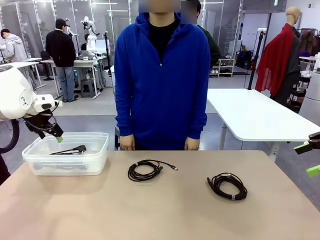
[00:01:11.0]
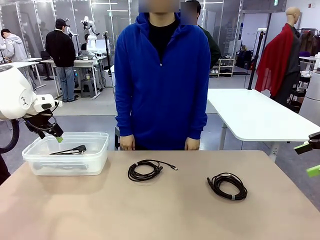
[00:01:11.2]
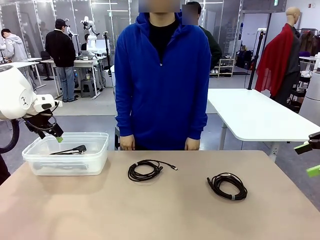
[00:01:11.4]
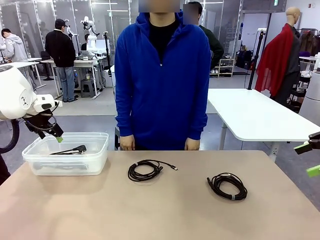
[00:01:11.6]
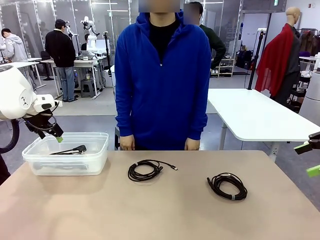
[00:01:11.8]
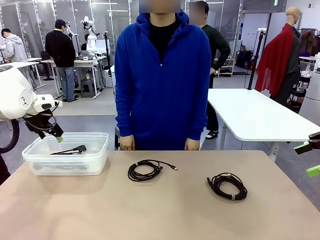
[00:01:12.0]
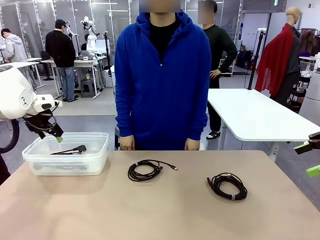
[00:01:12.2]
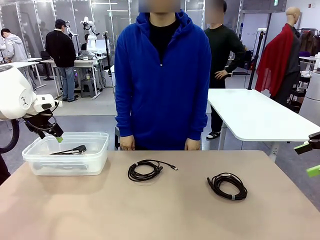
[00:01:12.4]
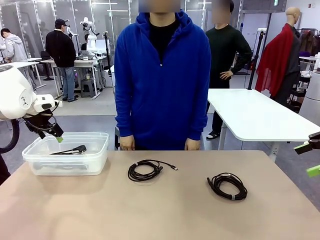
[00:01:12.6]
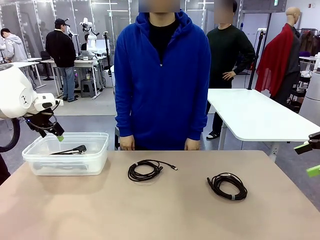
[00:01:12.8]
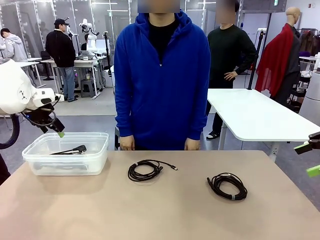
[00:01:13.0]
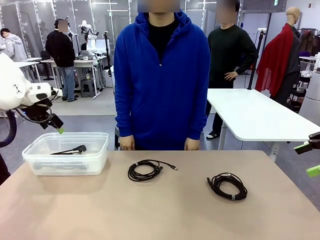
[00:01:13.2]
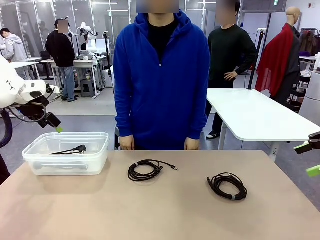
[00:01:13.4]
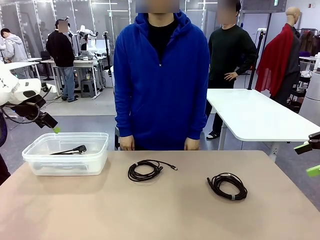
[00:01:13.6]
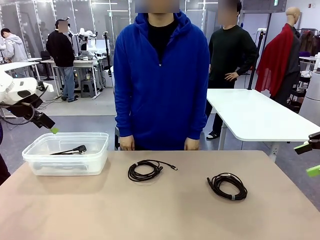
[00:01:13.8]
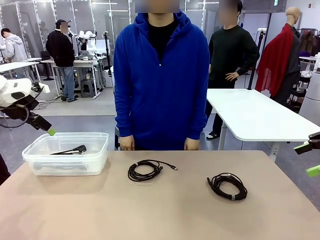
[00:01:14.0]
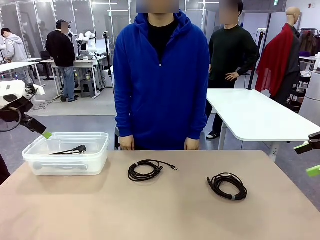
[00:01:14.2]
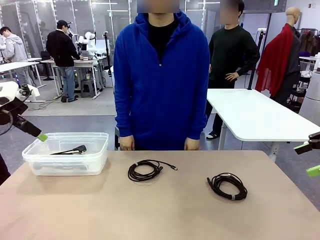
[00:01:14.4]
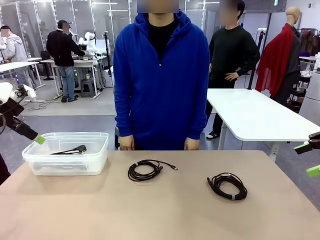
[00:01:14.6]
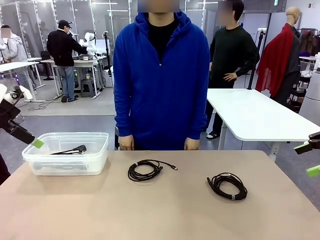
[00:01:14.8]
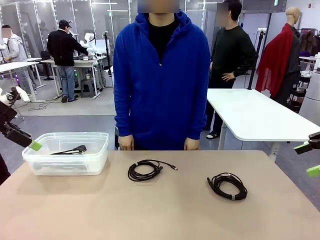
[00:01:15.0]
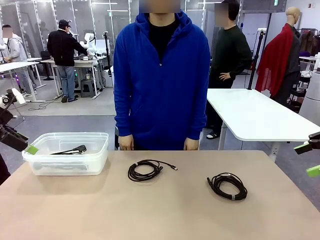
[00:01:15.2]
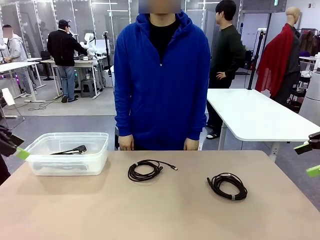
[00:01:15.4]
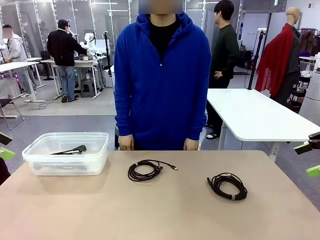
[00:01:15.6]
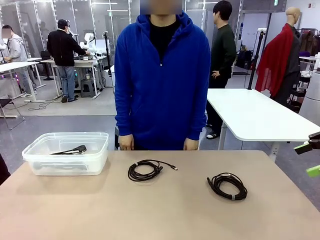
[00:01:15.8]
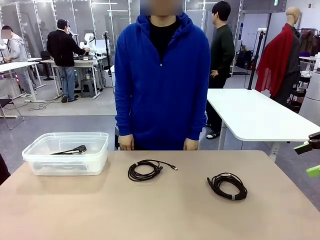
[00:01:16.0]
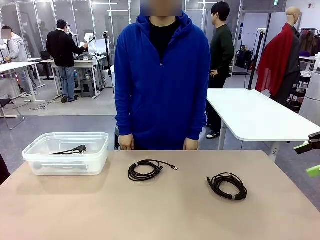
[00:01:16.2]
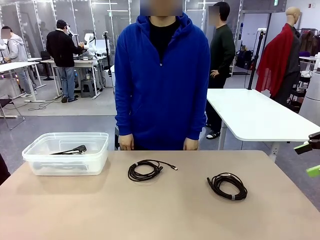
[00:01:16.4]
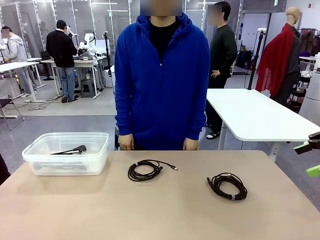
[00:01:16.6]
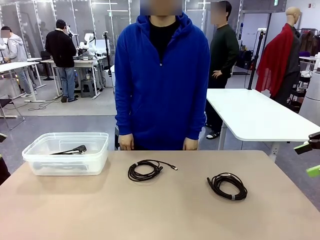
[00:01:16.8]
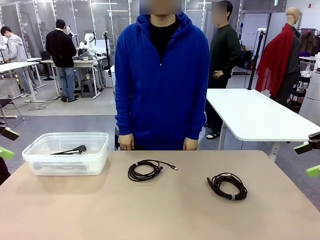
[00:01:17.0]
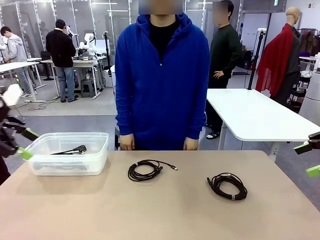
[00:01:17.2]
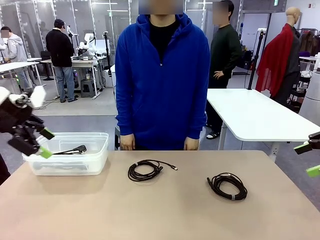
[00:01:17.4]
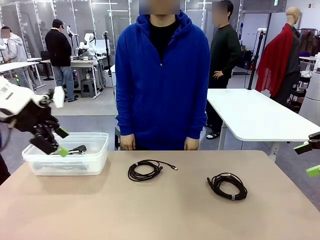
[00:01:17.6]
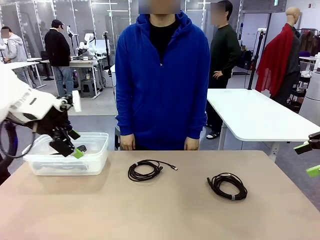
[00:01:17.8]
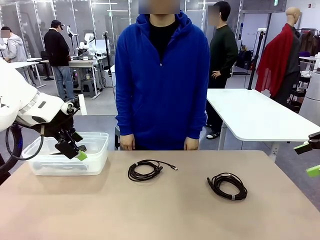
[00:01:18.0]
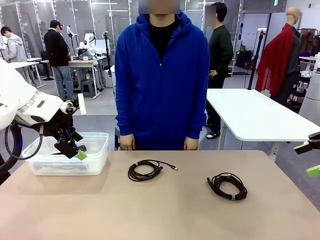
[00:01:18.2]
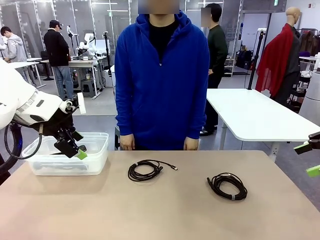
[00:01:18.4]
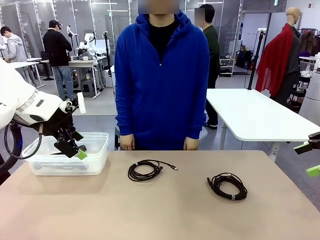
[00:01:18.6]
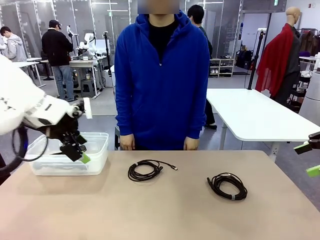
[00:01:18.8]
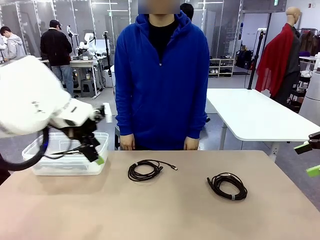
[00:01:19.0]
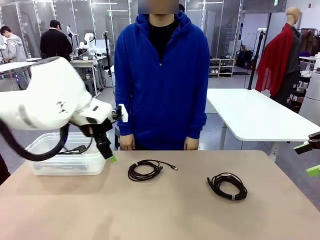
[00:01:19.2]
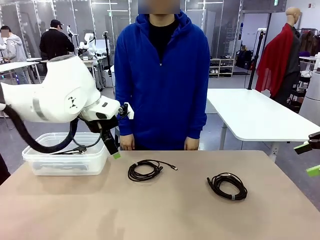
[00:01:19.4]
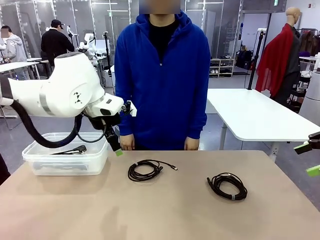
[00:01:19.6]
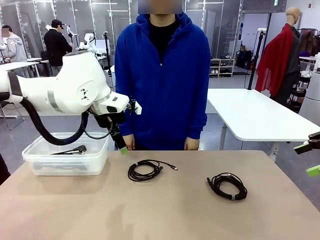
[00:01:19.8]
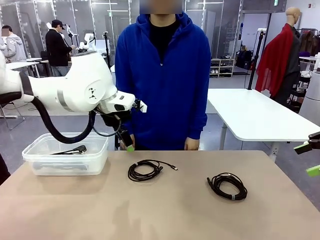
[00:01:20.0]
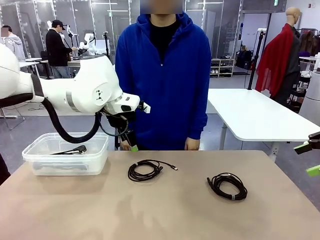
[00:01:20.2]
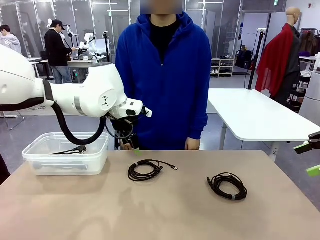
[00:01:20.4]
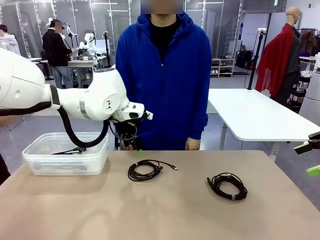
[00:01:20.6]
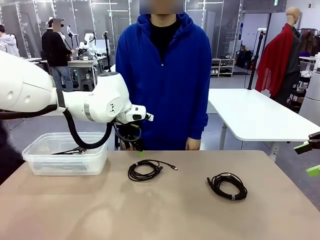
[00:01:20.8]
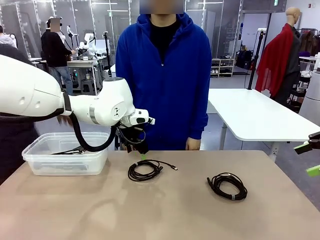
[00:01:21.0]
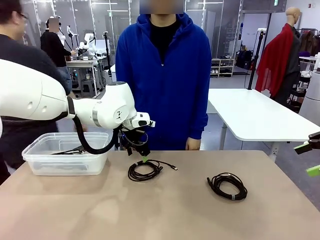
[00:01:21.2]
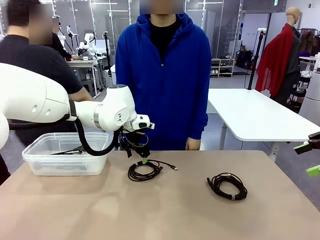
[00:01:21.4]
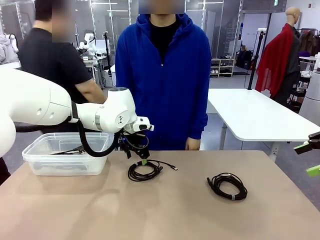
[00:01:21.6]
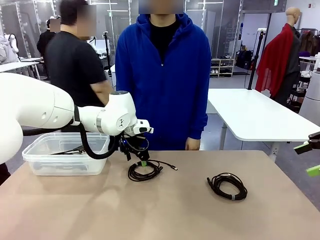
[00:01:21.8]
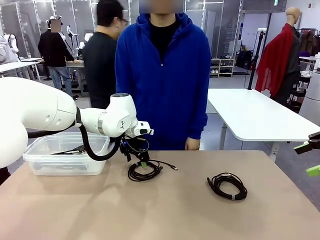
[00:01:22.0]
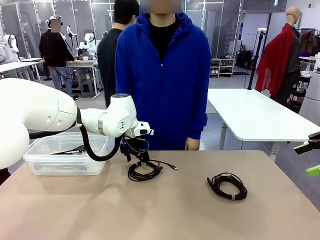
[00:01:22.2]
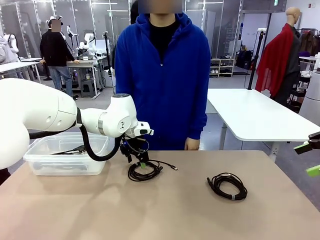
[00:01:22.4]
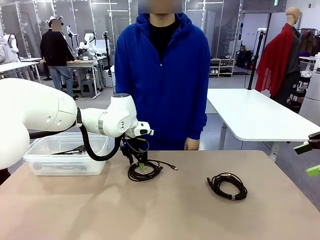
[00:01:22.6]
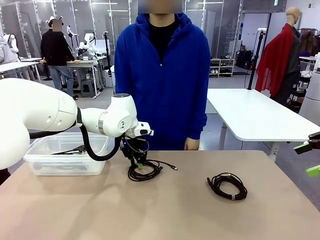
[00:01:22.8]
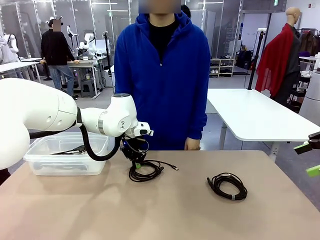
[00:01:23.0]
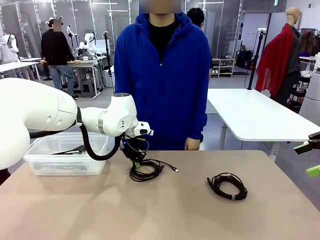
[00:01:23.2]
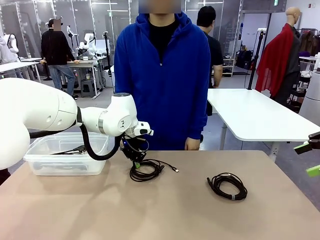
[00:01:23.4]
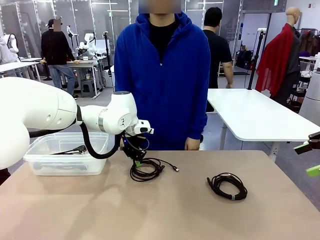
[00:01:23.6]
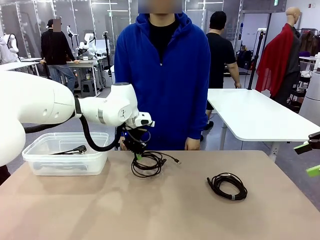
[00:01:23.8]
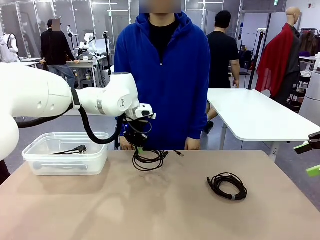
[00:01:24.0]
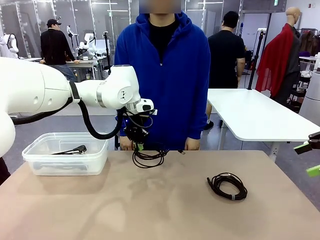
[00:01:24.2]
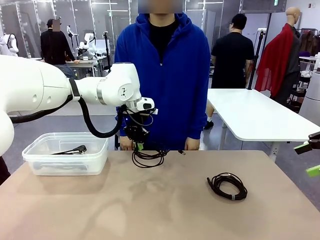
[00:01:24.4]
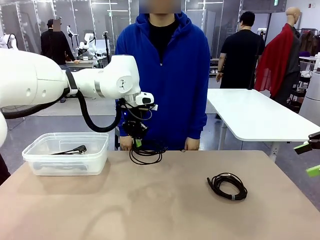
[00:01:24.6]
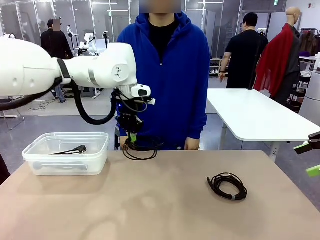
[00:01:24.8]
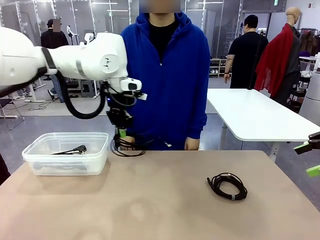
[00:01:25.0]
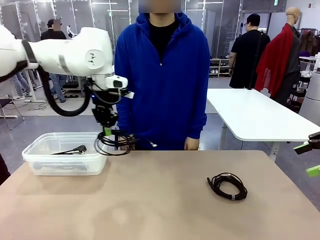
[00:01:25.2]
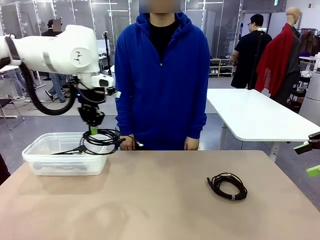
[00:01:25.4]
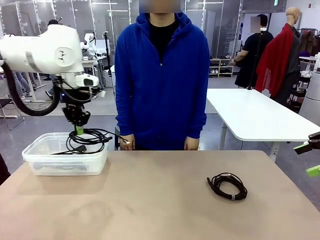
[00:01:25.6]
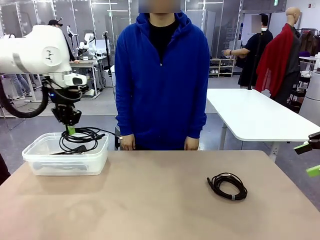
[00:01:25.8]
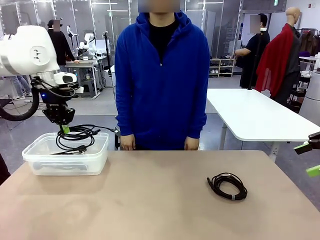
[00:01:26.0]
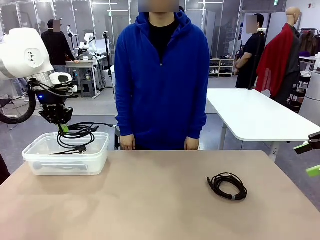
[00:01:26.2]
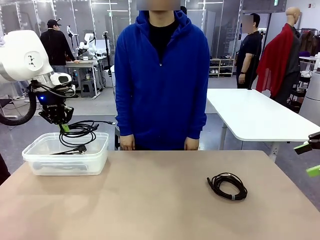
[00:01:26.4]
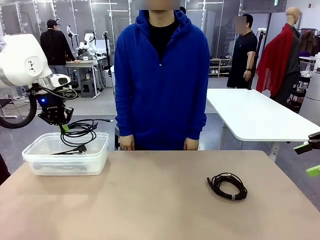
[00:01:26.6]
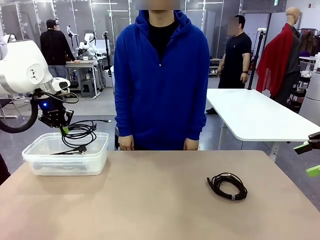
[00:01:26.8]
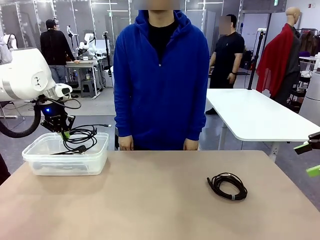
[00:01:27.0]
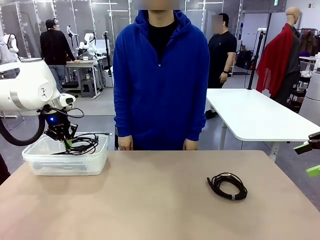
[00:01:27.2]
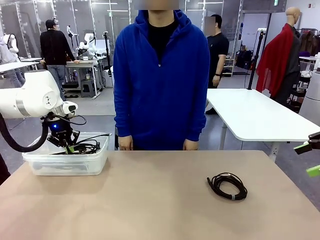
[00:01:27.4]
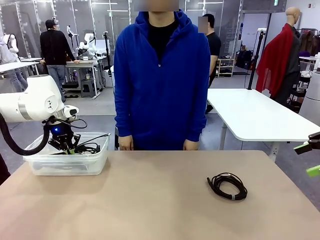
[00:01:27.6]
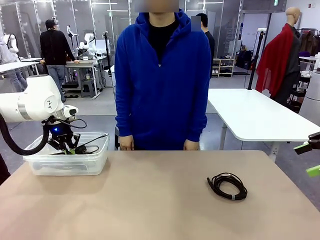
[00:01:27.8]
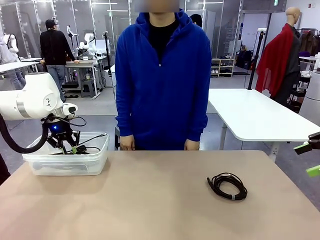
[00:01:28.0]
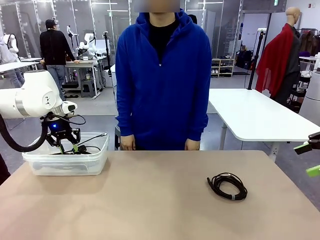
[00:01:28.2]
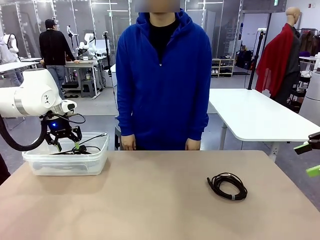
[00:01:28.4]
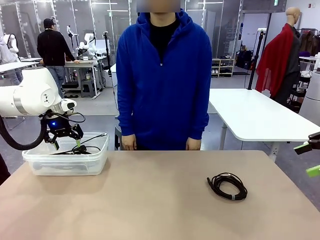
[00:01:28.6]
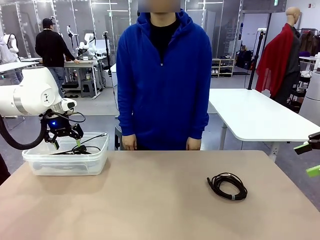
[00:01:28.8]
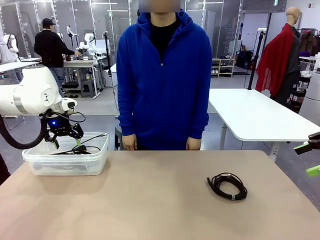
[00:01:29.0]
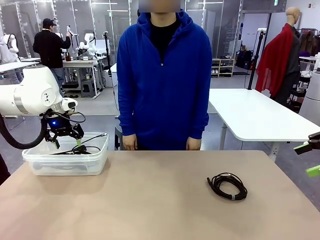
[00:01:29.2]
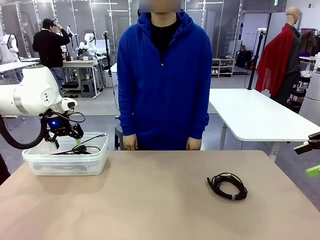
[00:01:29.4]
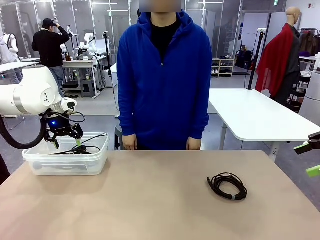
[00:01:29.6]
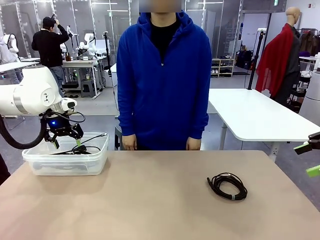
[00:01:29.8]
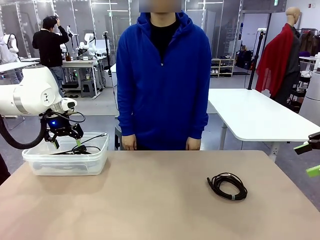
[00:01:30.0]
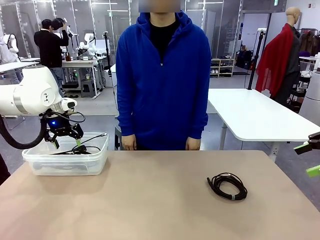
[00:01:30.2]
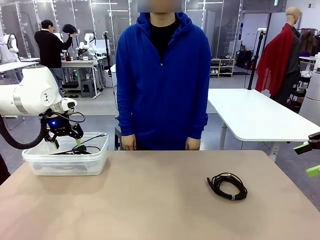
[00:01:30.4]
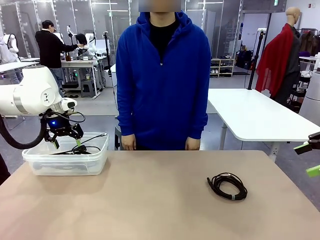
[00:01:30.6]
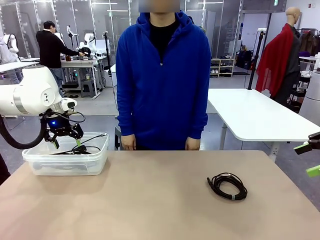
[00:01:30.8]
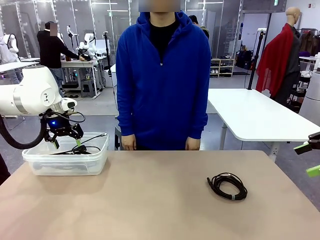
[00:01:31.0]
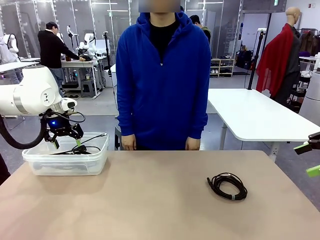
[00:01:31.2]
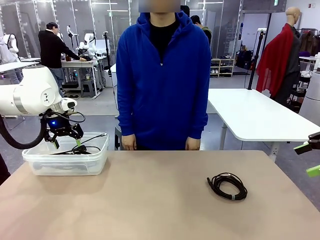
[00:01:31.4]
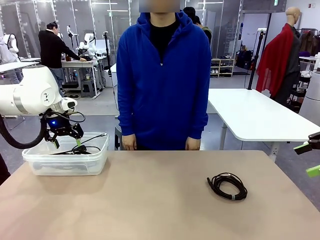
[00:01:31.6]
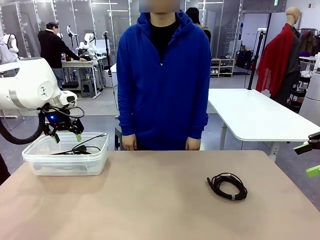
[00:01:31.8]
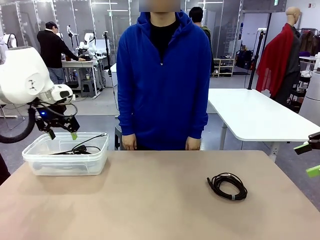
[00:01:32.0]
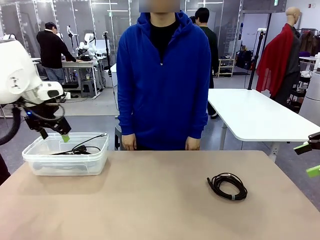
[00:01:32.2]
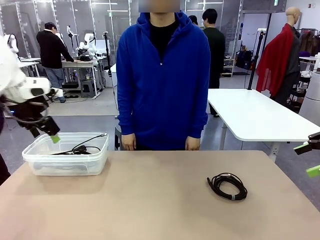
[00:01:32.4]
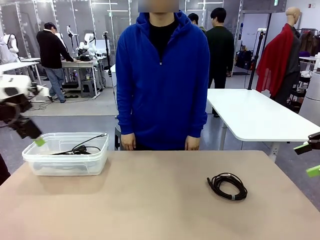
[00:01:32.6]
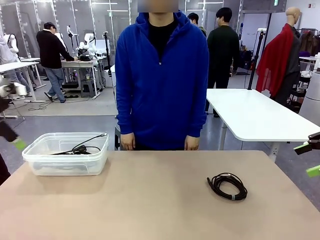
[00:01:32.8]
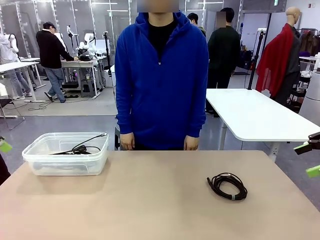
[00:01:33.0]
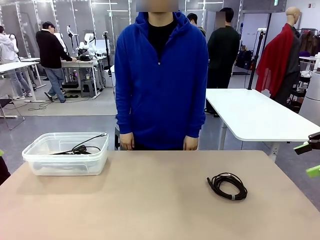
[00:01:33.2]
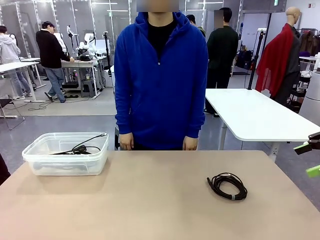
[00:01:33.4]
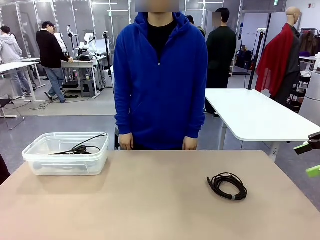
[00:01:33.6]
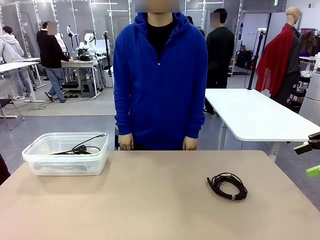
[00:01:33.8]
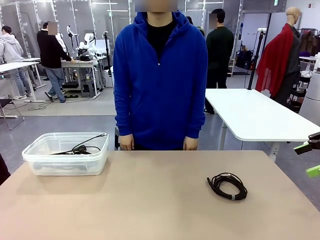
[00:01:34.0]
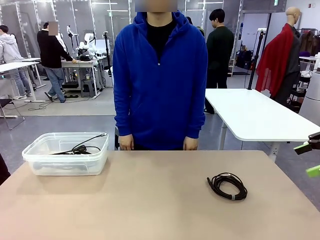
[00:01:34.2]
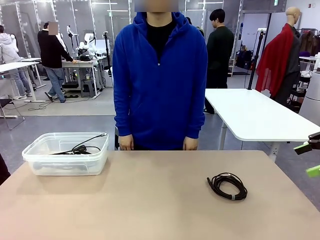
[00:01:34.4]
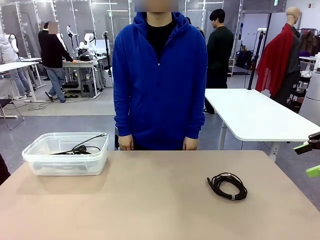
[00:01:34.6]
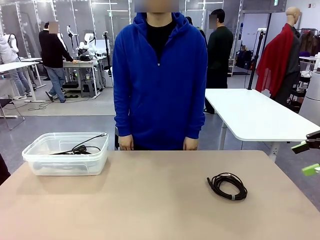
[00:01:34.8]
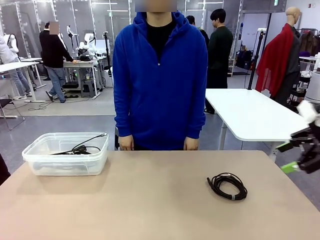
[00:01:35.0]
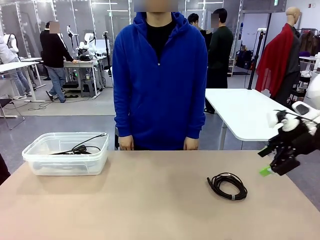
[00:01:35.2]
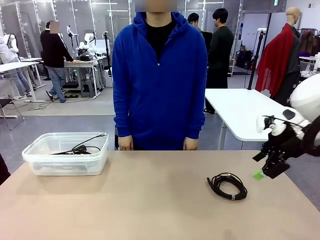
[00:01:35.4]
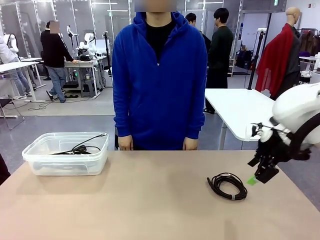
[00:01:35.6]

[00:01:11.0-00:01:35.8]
Task: Organize and store the cables.
Robot: Place the USB Extension Cable into the Organizing box.
